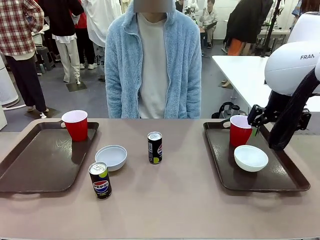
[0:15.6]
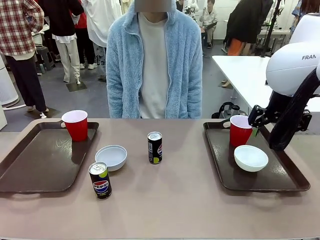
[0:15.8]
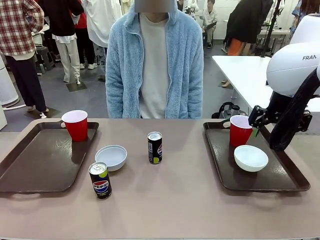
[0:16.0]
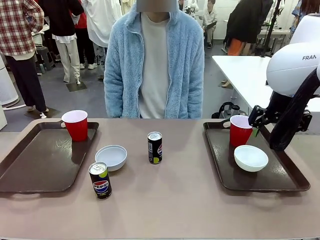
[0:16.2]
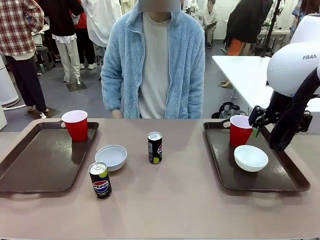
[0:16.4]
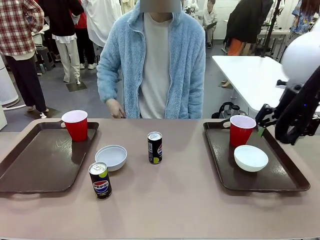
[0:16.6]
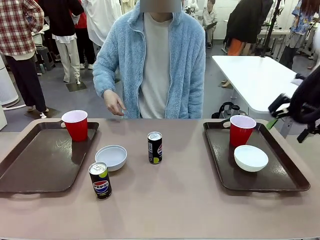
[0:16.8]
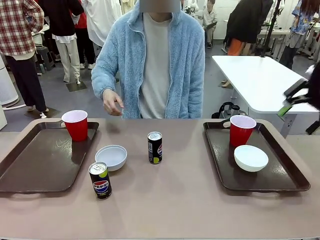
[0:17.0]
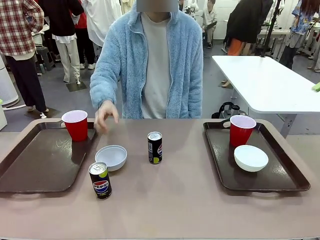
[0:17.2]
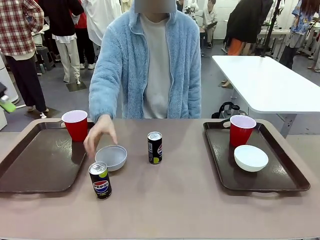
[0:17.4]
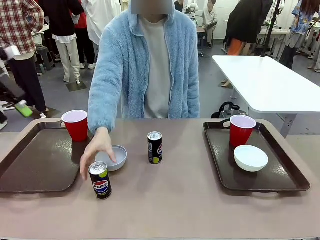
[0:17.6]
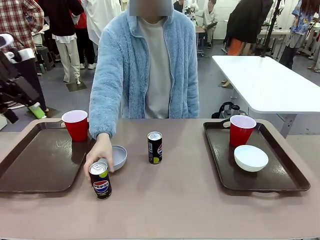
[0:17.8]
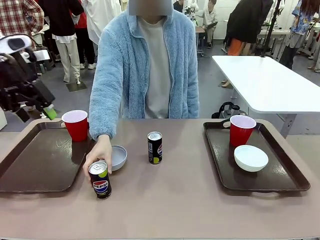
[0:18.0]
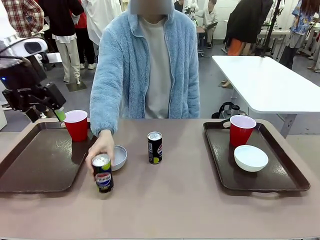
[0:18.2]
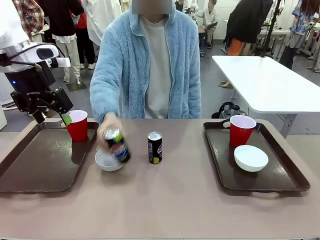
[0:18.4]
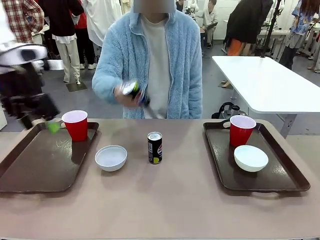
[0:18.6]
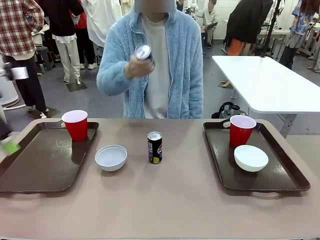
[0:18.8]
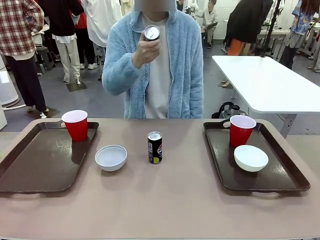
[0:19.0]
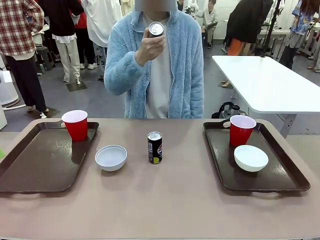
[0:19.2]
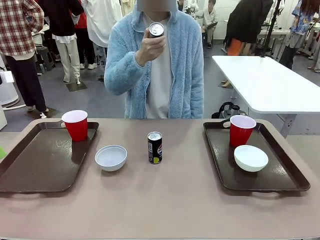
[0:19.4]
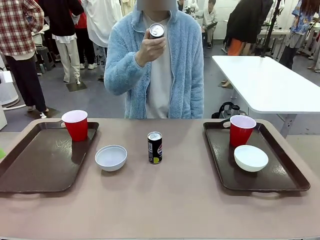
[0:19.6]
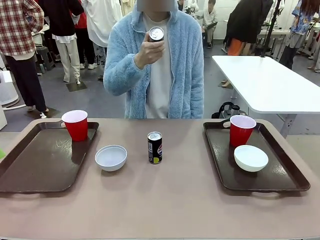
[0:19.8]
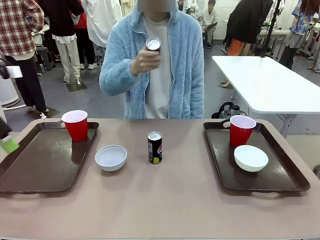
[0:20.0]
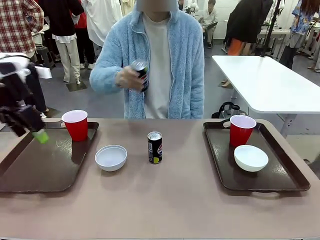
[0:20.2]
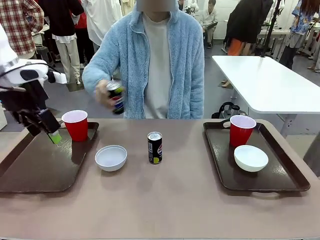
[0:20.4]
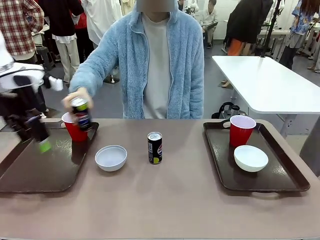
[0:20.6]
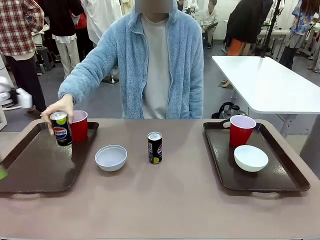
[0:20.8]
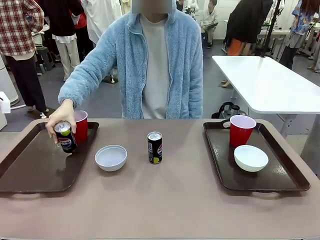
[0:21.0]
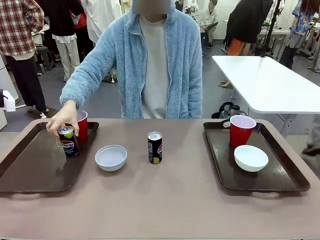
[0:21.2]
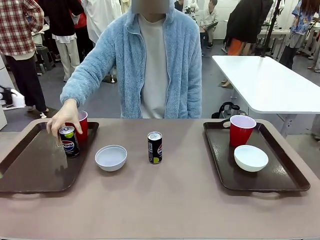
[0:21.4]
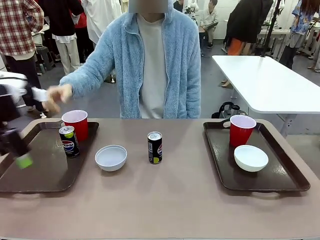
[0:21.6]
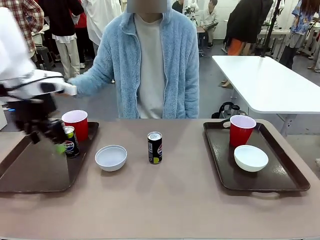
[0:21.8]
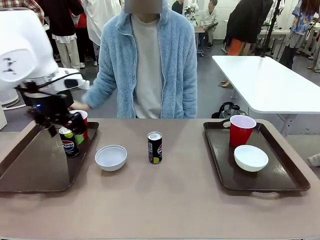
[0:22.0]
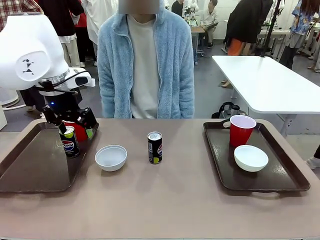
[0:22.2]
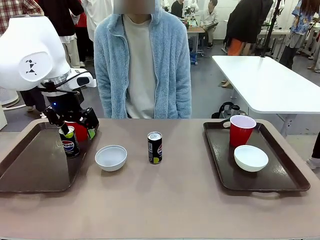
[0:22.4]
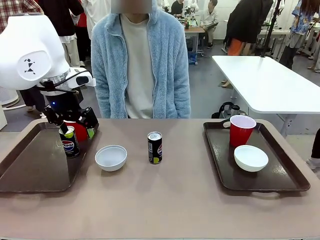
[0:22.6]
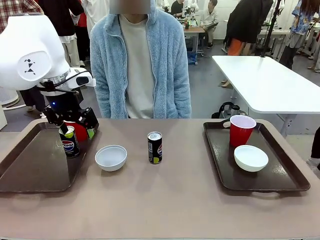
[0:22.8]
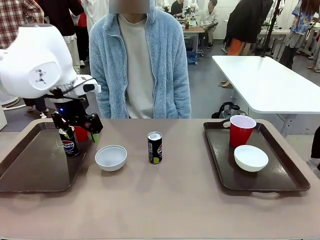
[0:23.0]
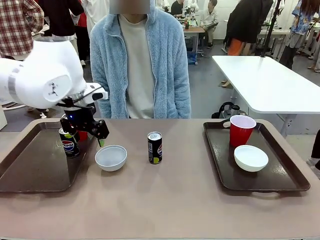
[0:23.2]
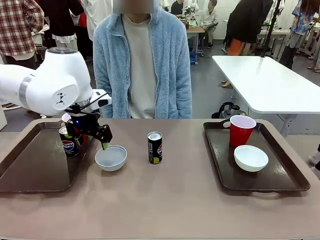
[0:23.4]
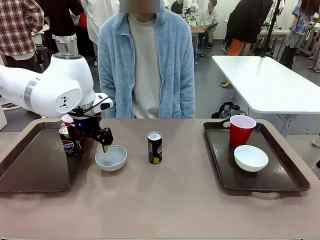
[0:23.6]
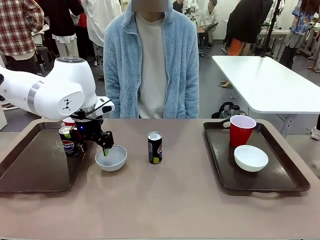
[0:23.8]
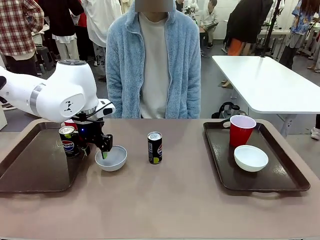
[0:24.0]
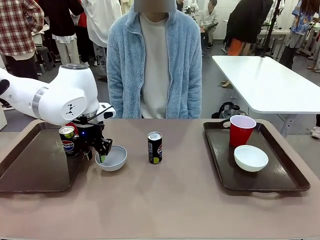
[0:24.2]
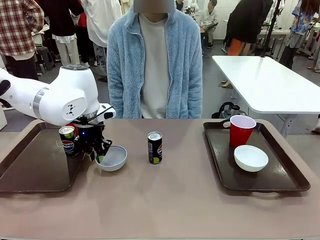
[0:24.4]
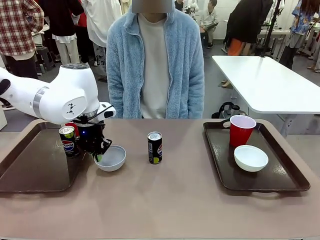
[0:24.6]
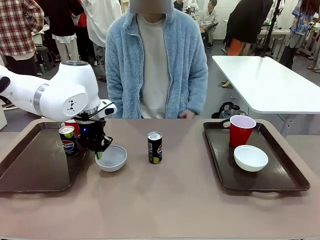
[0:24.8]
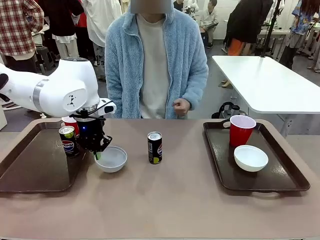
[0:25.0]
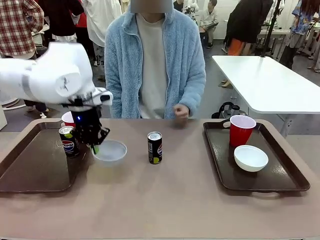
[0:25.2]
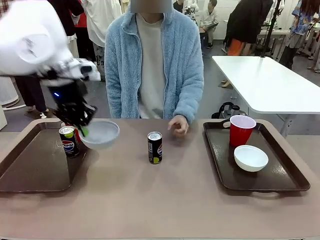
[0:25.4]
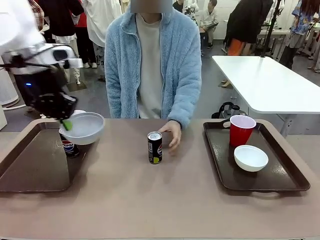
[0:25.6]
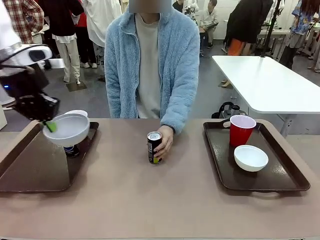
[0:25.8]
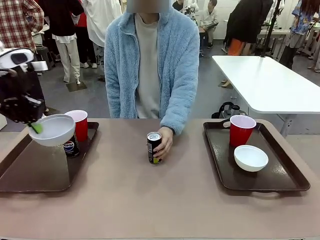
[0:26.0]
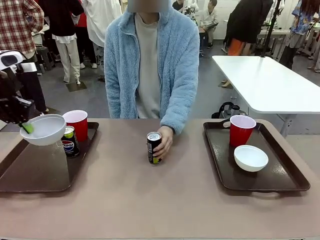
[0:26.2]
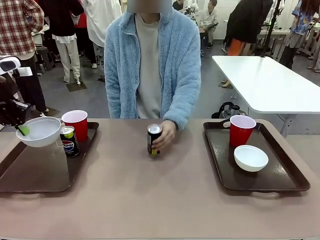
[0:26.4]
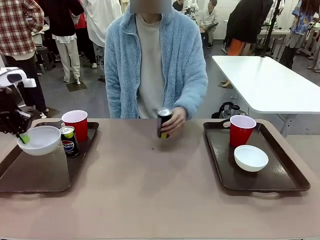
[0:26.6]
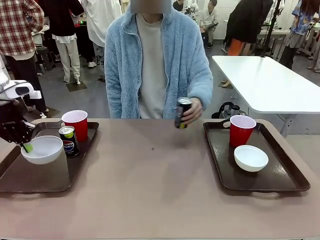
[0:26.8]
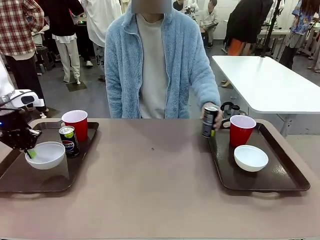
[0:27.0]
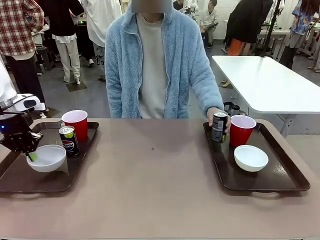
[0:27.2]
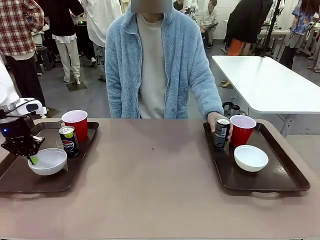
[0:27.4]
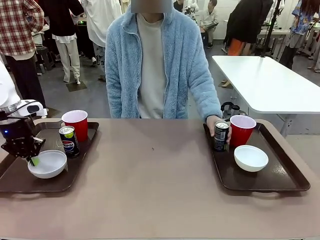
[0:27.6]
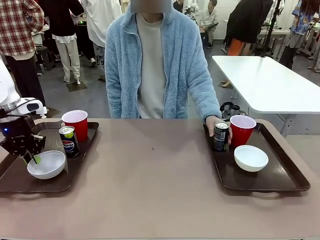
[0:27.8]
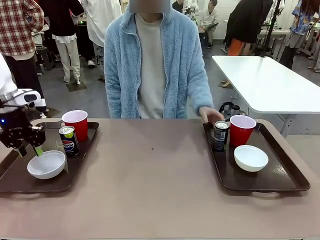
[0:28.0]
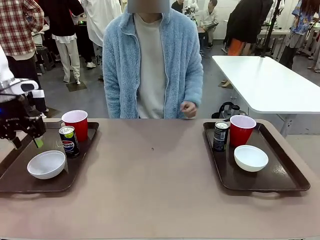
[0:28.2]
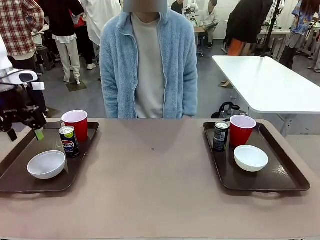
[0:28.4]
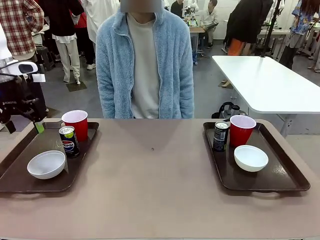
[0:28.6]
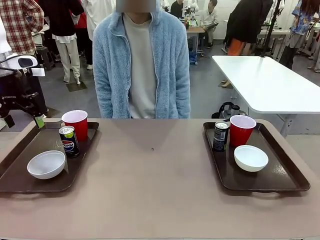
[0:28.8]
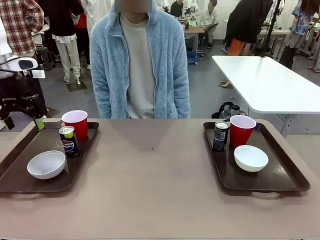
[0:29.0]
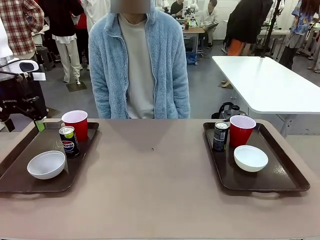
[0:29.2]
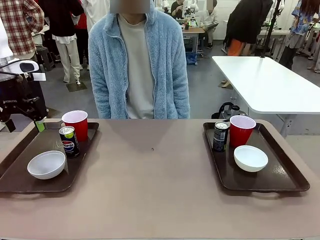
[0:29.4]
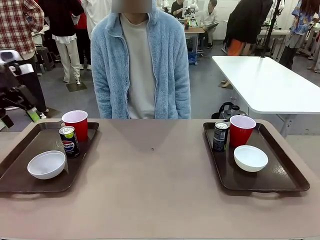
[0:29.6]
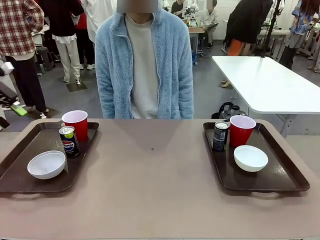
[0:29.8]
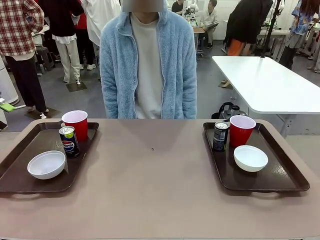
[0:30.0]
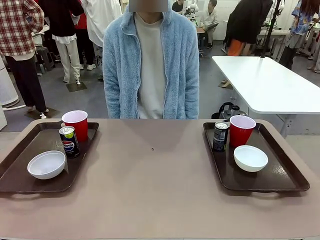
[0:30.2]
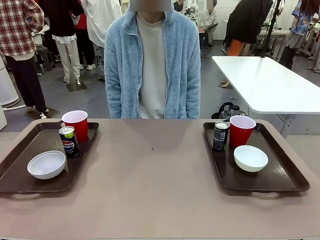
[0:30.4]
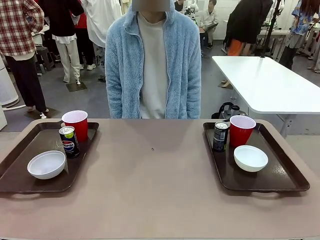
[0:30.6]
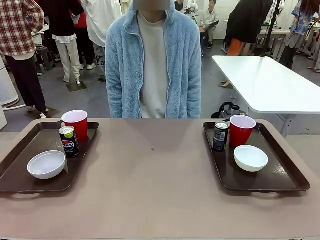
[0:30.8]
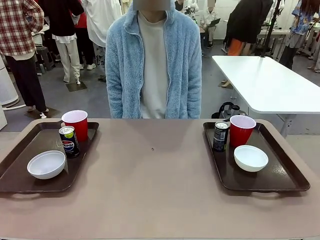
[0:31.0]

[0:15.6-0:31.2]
Task: Prepare tableware on both trays.
Robot: Pick up a Picnic Bowl from the table and place it on a Handle tray.
Person: Pick up a can or cup and place it on the tray without a can or cup.
